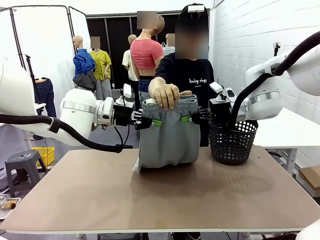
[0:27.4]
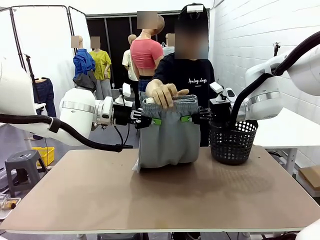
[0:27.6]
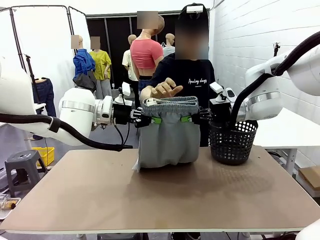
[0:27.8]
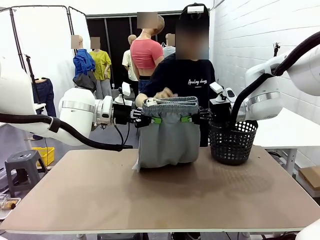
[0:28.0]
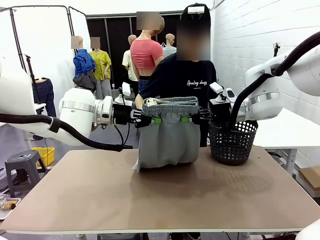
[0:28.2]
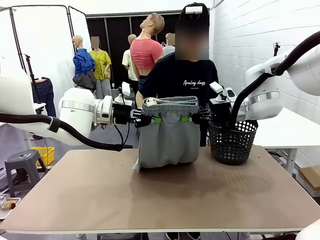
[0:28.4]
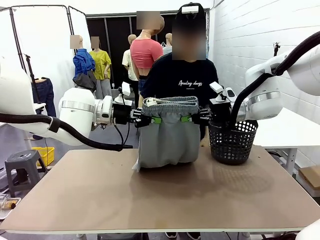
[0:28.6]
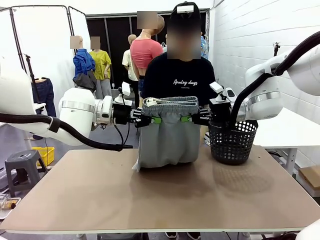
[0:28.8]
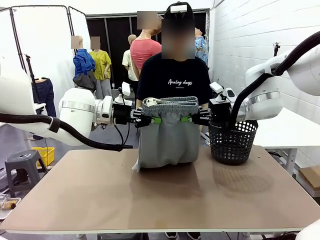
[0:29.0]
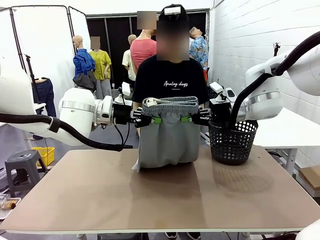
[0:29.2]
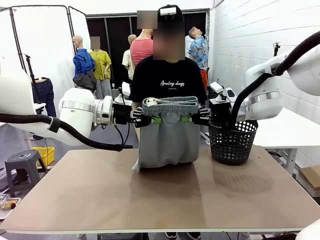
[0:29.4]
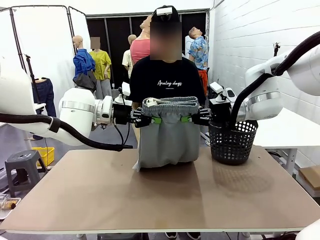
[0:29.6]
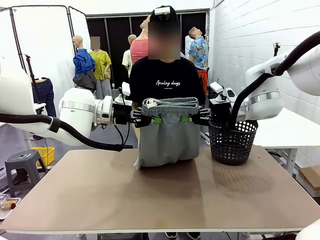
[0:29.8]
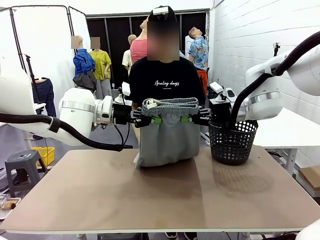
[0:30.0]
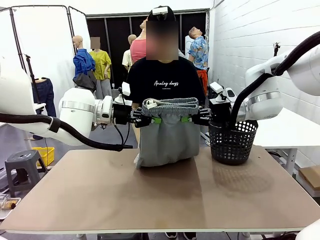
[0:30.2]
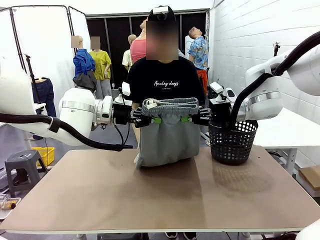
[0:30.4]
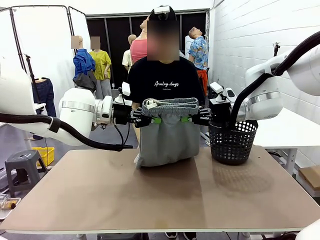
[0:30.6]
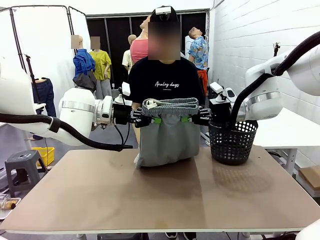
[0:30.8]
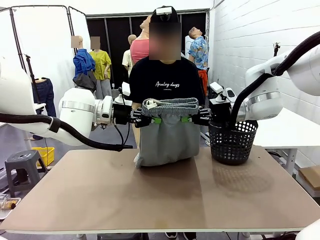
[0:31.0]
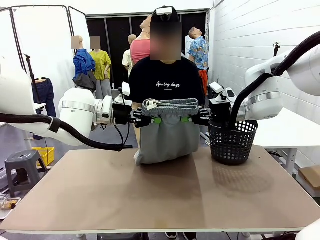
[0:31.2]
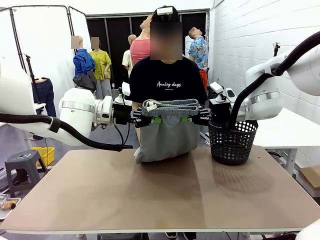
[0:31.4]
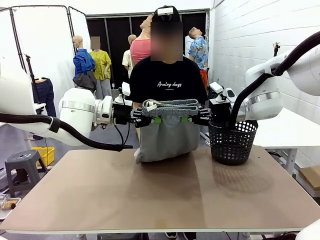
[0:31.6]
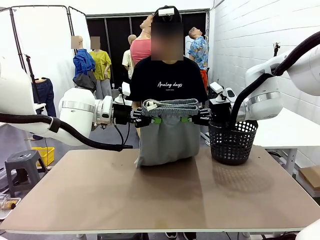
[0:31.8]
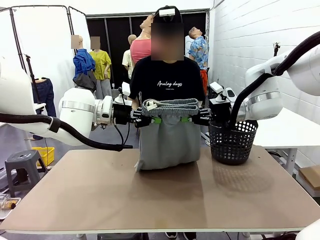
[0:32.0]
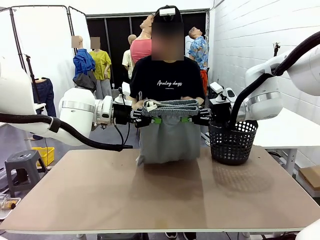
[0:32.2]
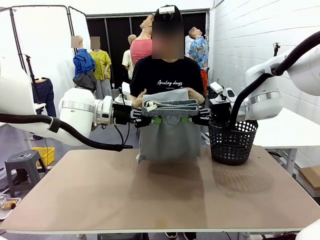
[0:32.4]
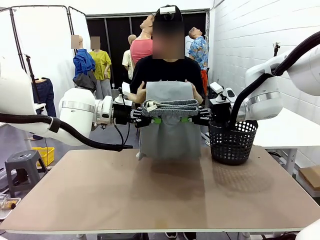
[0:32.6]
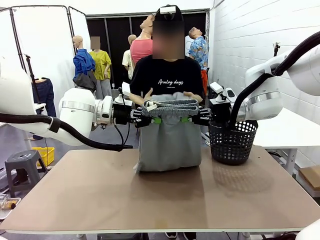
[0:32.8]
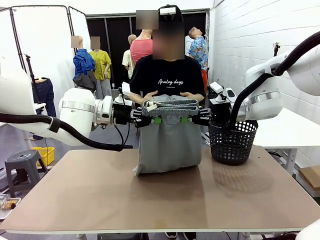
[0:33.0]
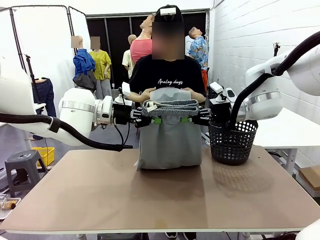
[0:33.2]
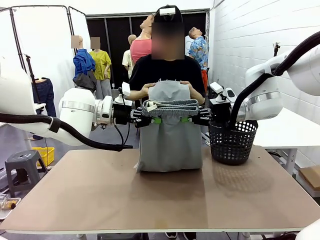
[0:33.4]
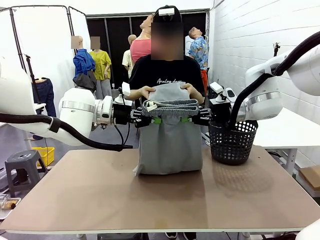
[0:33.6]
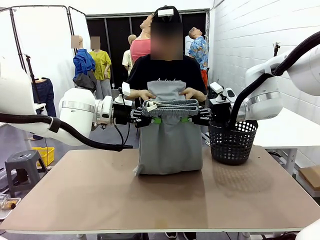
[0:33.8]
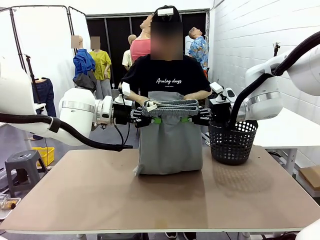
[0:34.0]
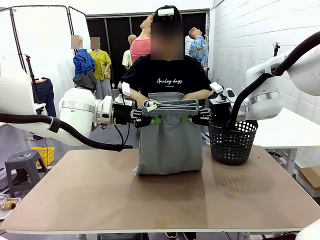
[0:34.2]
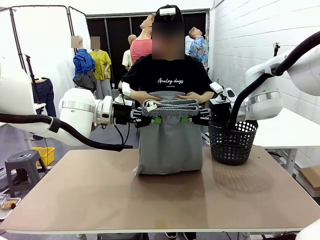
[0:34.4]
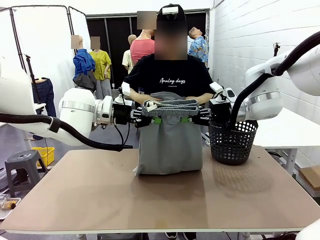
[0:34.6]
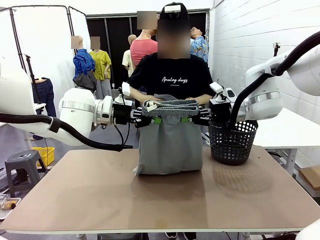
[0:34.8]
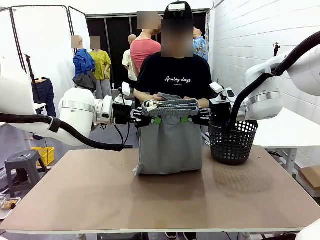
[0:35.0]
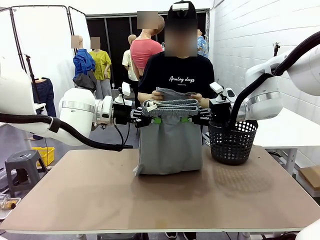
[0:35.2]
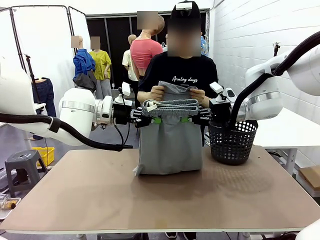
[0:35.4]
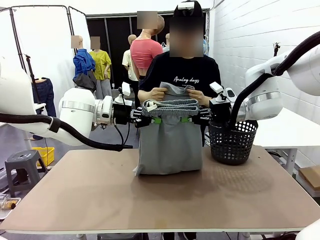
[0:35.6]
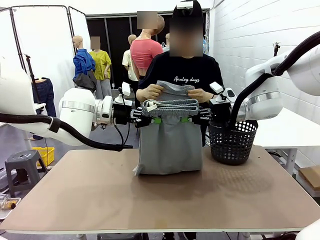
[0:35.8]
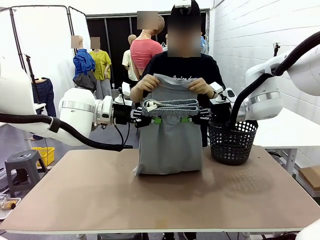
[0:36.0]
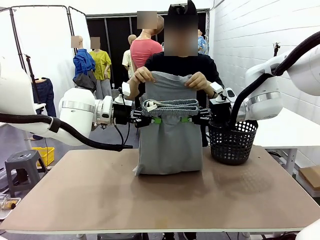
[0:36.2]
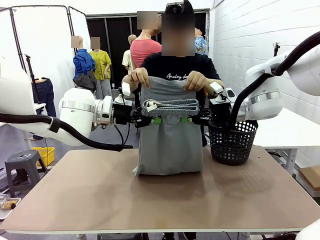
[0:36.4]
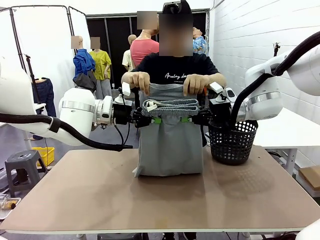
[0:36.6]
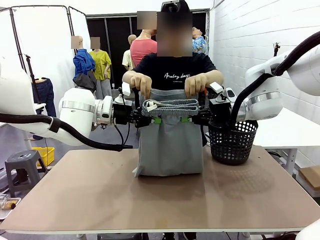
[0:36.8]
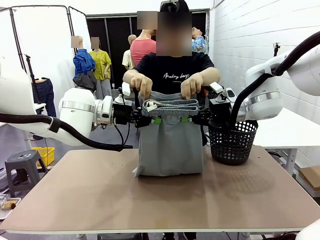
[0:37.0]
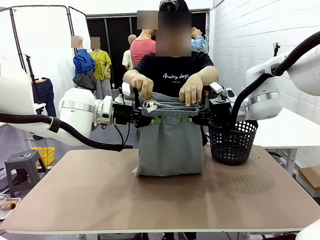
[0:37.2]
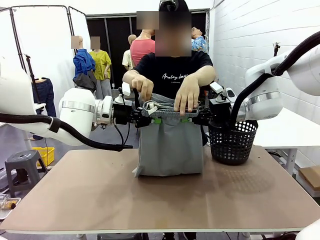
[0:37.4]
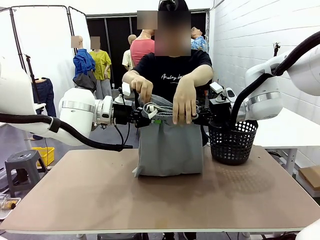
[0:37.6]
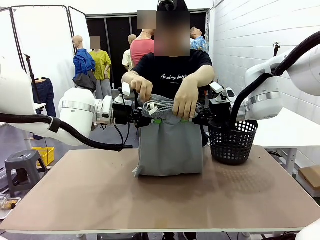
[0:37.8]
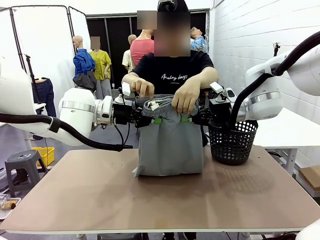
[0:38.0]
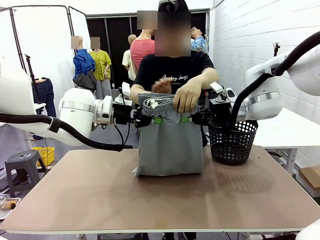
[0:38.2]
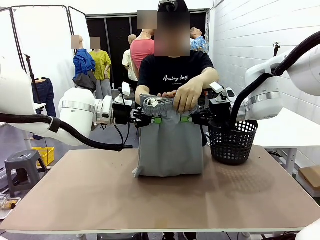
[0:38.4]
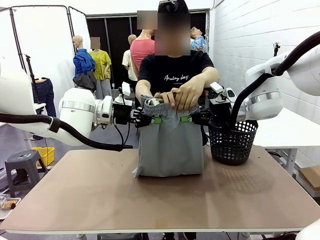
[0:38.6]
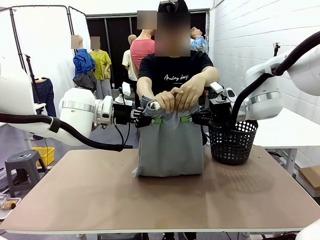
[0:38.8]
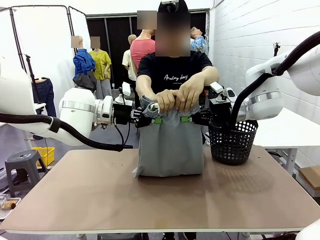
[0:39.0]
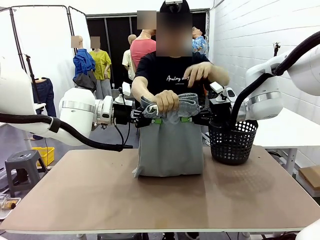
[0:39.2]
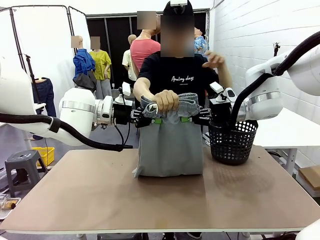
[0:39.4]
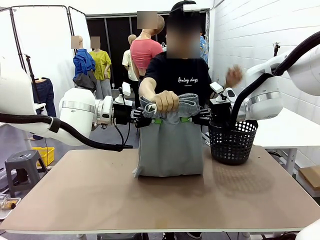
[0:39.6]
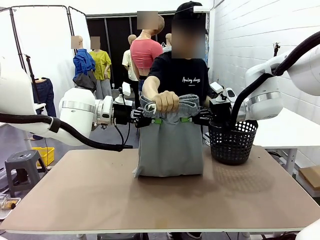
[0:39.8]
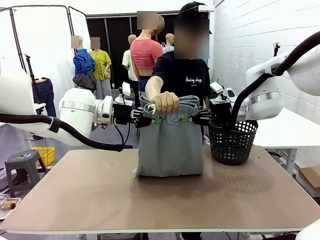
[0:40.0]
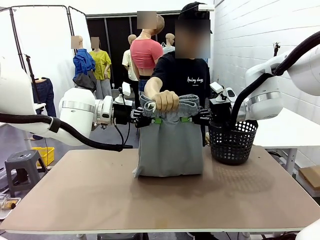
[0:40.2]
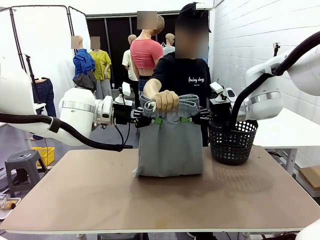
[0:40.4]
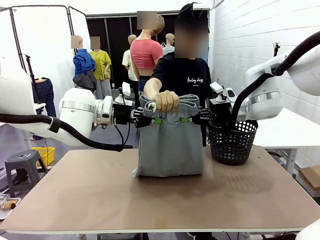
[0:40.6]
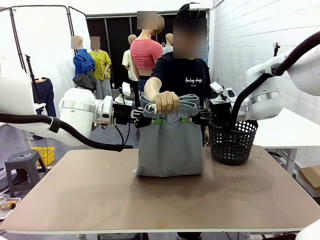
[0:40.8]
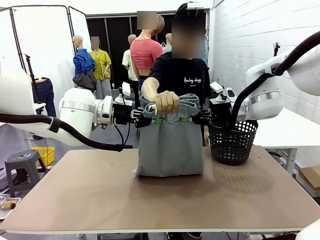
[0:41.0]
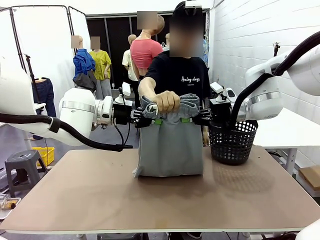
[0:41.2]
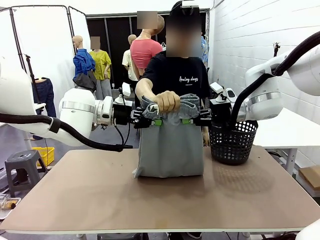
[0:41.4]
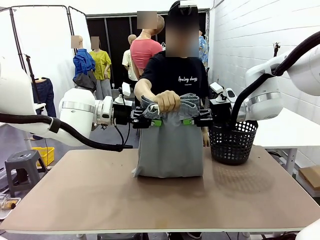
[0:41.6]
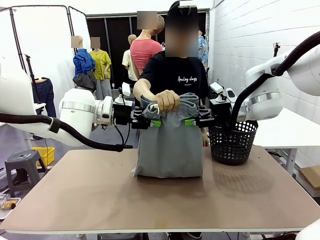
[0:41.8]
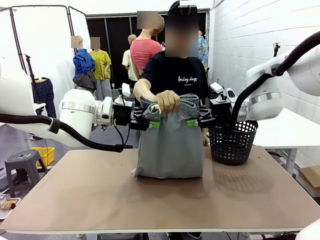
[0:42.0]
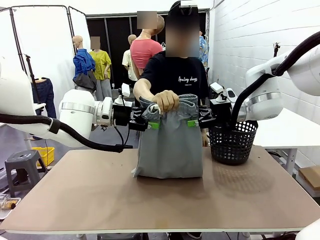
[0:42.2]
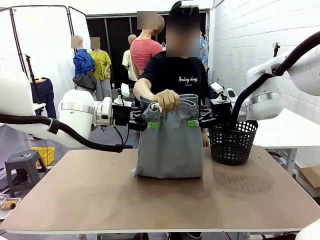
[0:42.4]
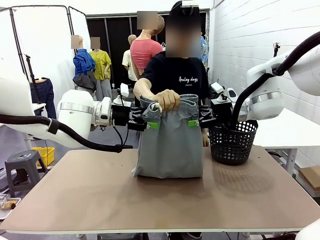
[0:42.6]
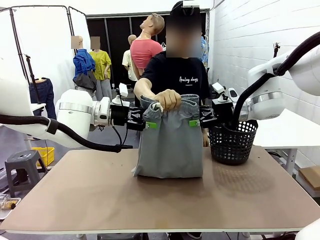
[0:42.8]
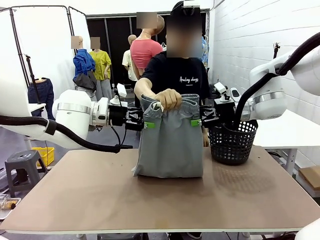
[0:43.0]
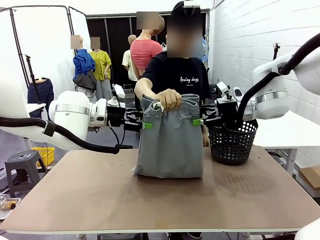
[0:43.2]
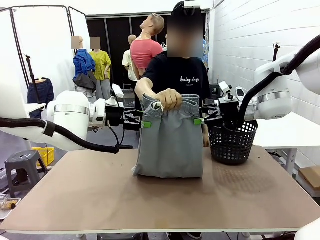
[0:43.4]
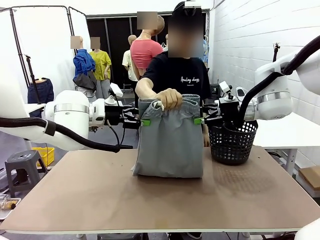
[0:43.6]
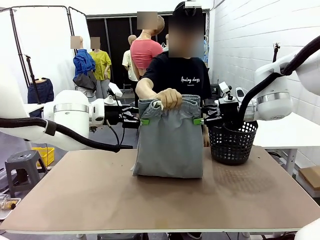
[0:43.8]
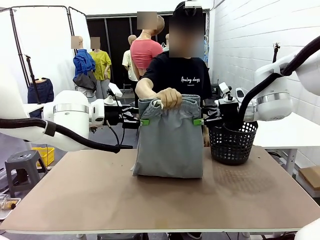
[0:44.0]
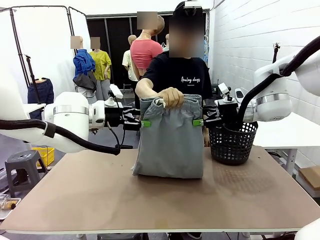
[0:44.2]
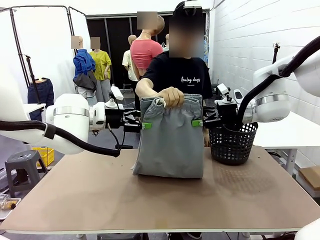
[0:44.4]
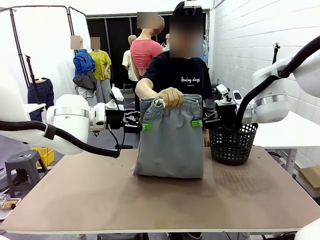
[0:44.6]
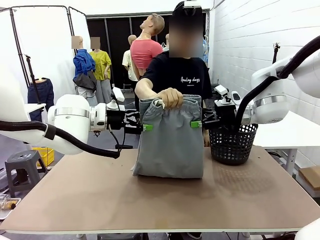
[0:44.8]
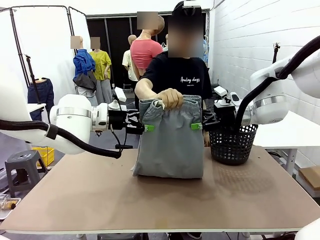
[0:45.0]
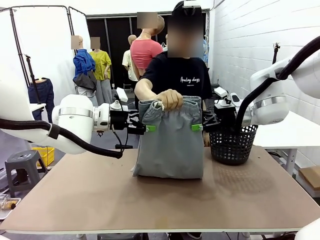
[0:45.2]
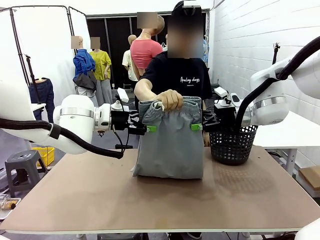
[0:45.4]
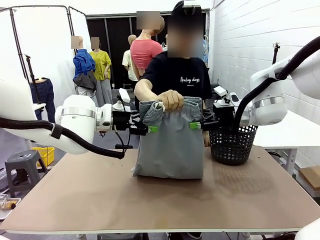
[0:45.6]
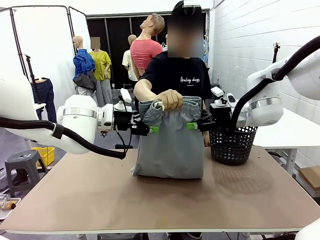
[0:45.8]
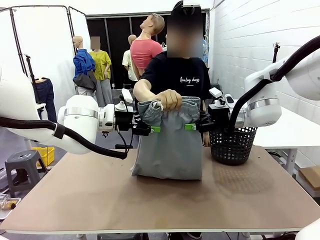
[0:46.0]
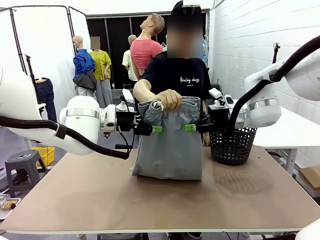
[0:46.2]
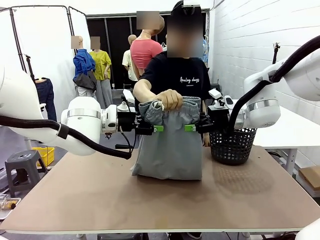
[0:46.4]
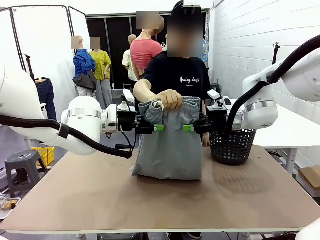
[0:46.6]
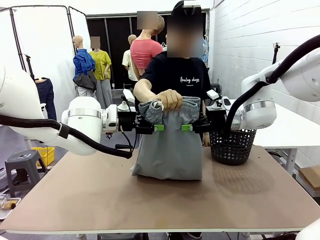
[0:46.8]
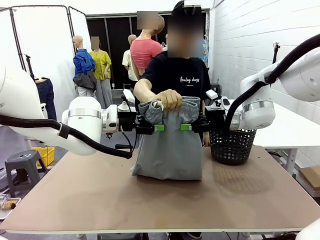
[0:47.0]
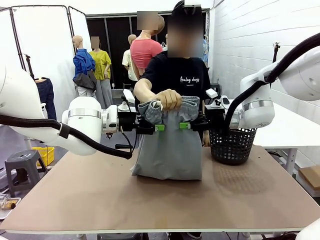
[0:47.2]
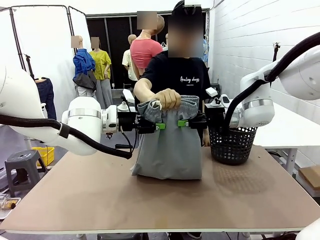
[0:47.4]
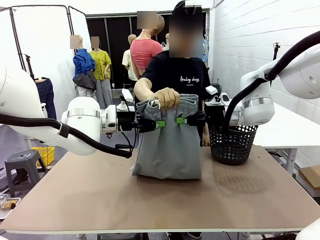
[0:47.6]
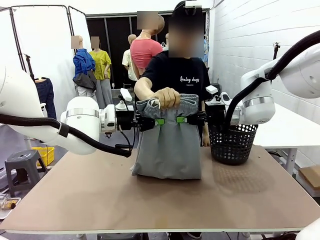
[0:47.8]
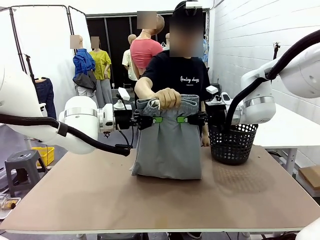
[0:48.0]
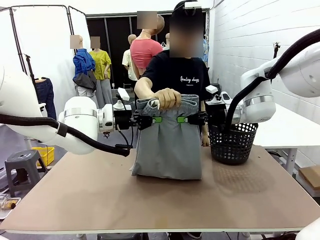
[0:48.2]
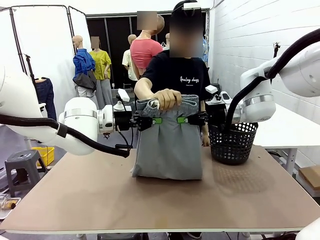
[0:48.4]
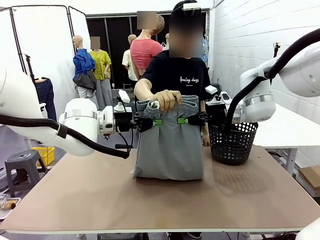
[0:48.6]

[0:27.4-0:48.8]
Task: Fold the training pants.
Robot: Release the ends of the Training pants and then grab the overlapped ends.
Person: Grasp the end opposite the point the robot is holding, fold the pants in half, and then grasp the overlapping top end of the folded pants. Release the pants you were holding.
